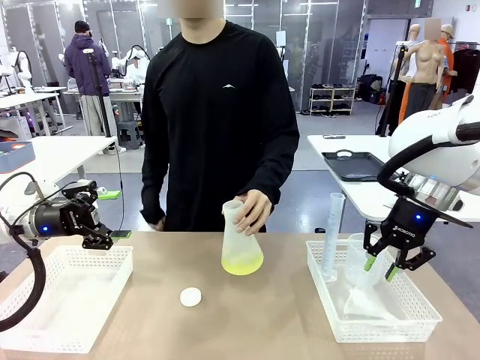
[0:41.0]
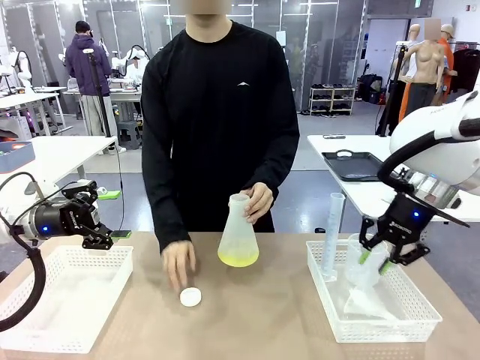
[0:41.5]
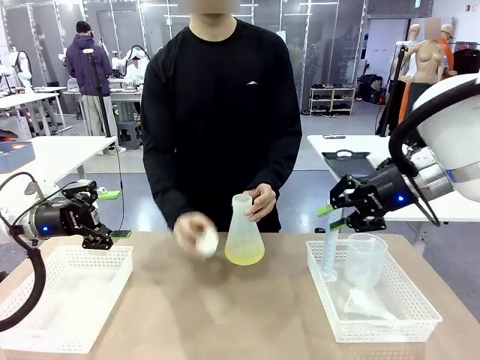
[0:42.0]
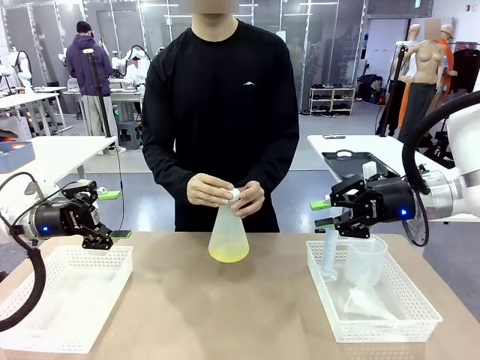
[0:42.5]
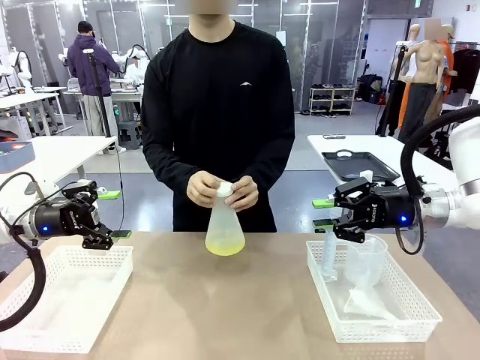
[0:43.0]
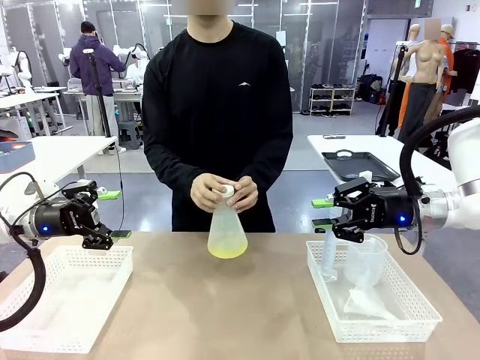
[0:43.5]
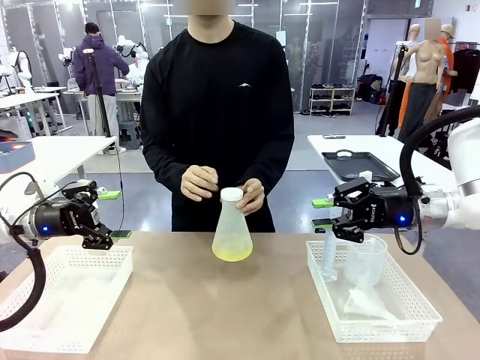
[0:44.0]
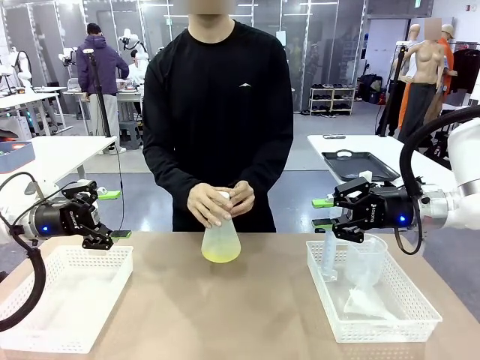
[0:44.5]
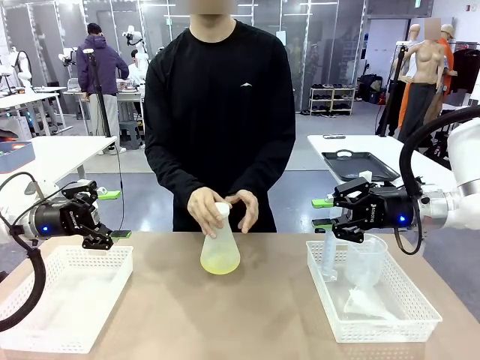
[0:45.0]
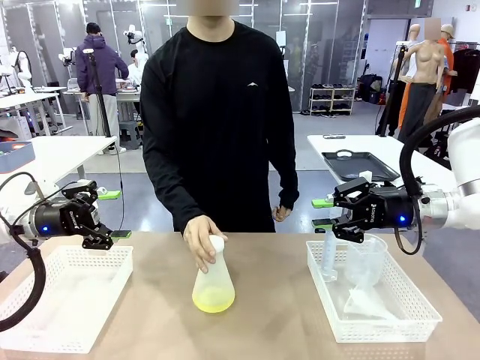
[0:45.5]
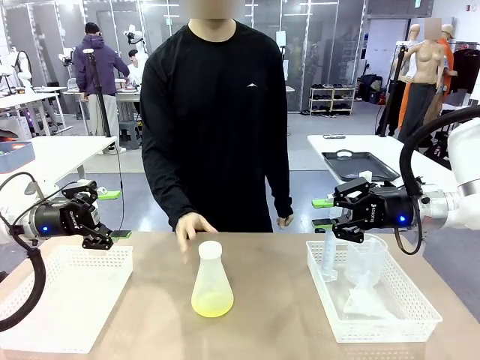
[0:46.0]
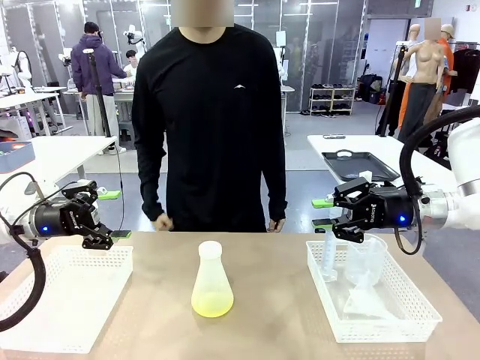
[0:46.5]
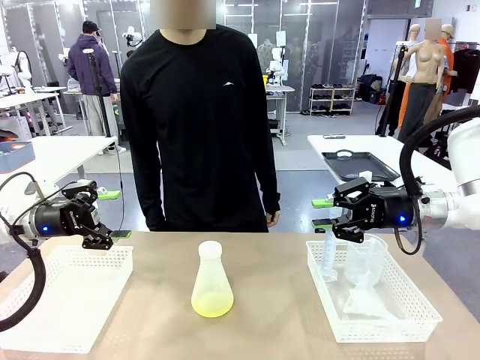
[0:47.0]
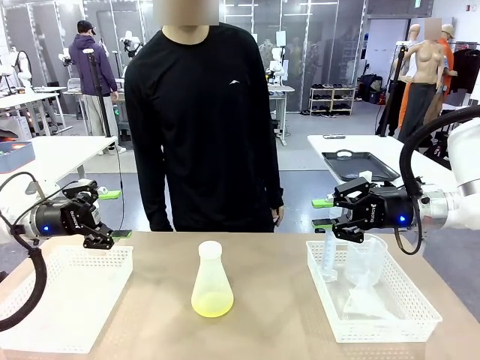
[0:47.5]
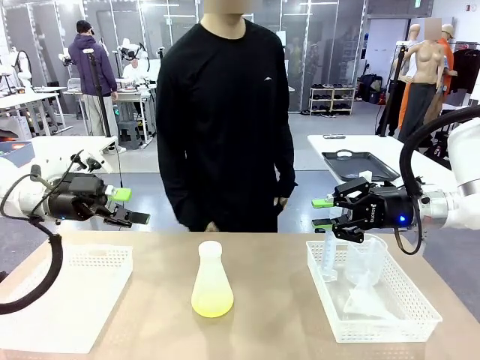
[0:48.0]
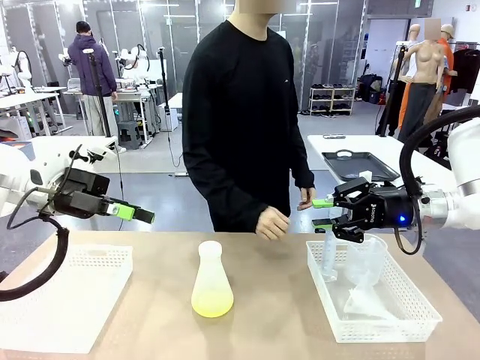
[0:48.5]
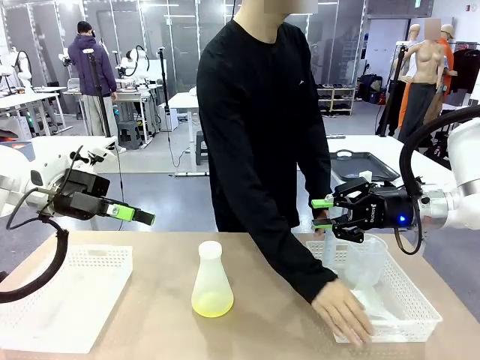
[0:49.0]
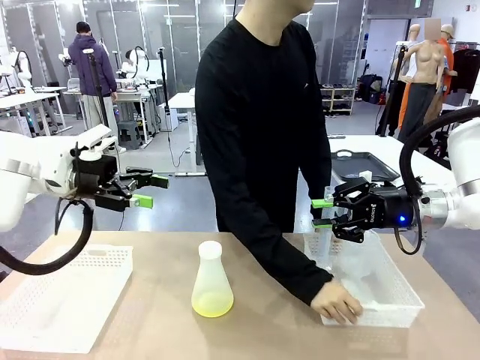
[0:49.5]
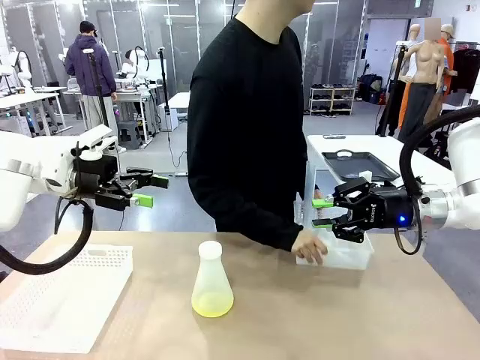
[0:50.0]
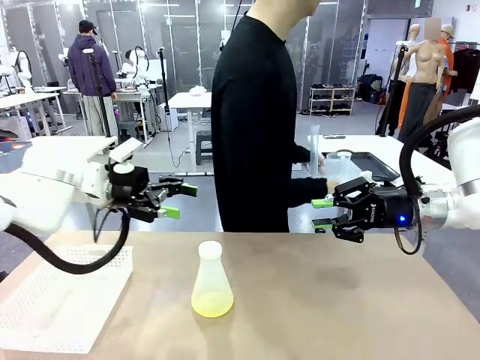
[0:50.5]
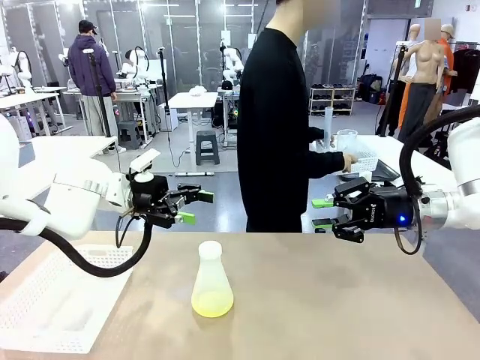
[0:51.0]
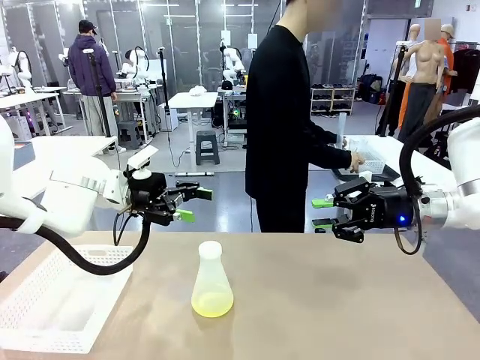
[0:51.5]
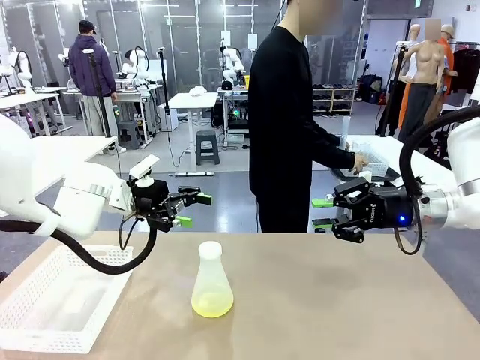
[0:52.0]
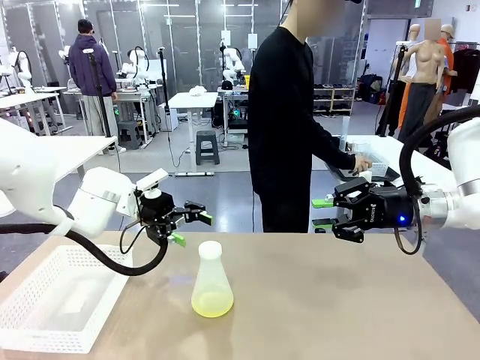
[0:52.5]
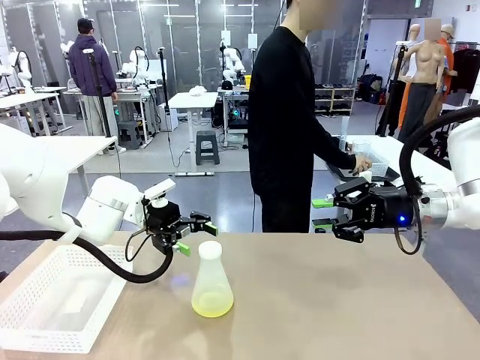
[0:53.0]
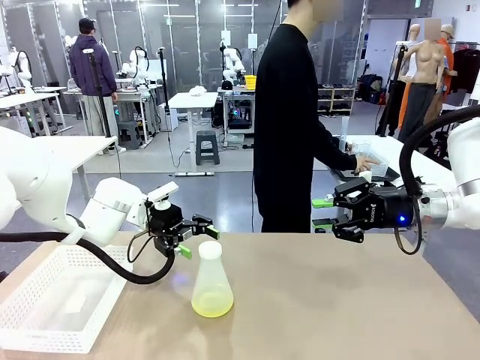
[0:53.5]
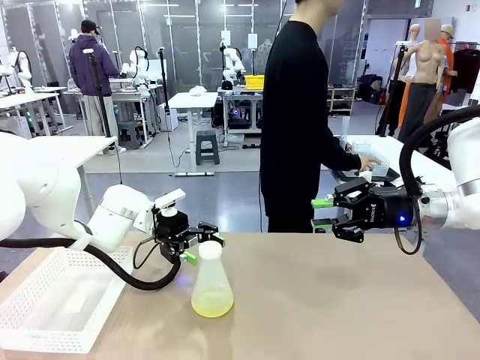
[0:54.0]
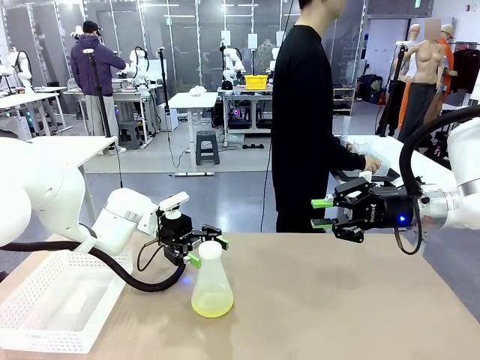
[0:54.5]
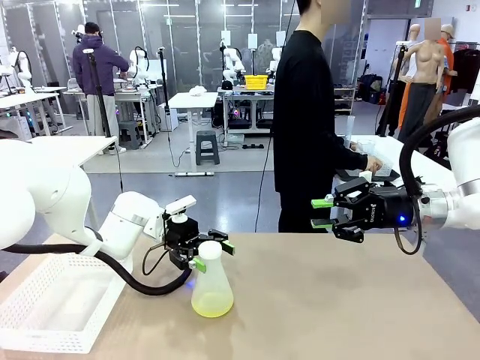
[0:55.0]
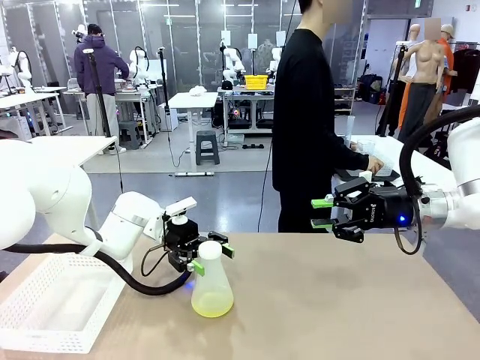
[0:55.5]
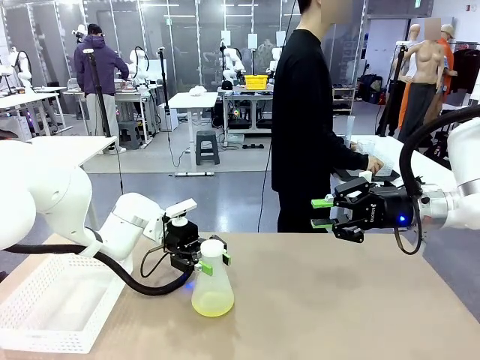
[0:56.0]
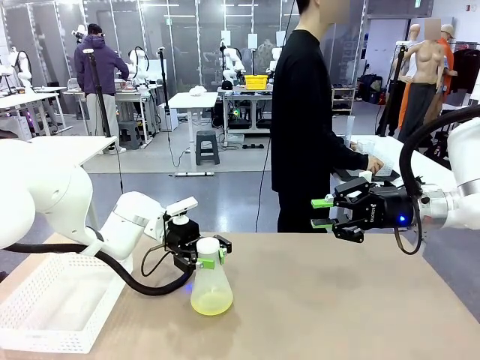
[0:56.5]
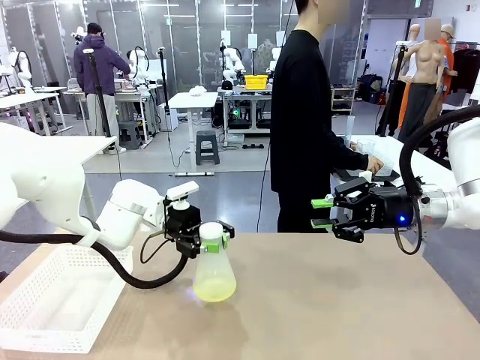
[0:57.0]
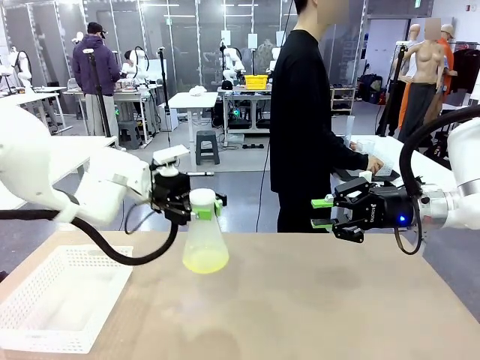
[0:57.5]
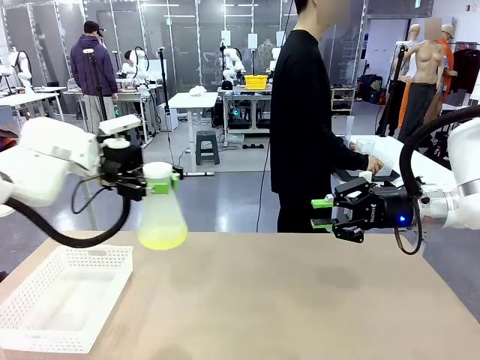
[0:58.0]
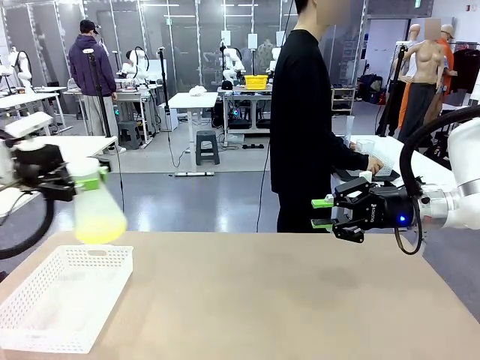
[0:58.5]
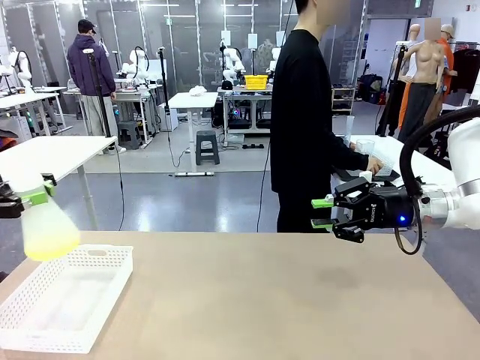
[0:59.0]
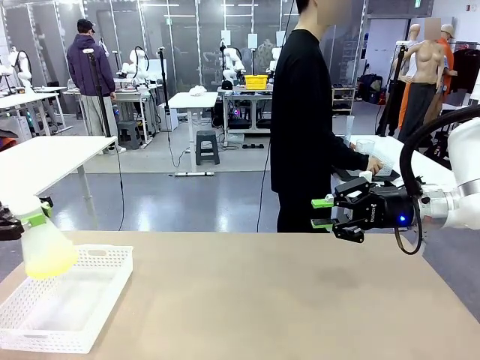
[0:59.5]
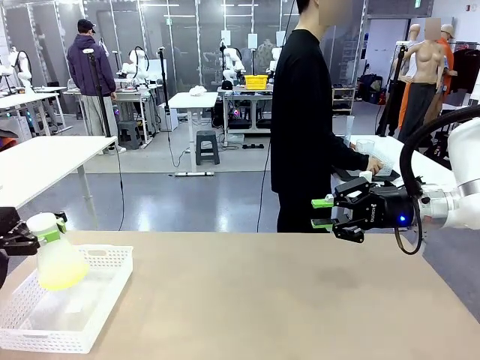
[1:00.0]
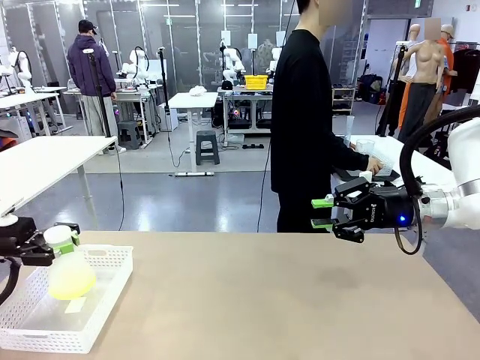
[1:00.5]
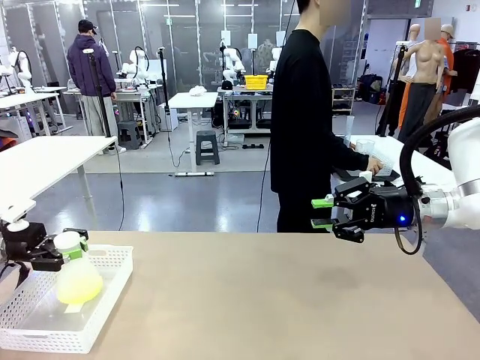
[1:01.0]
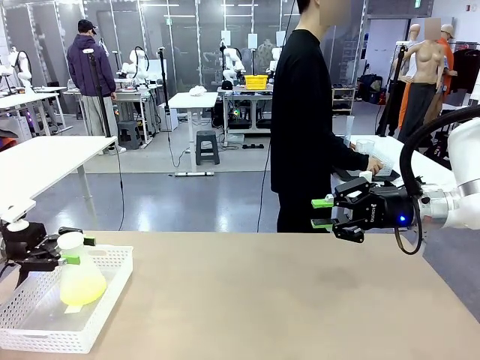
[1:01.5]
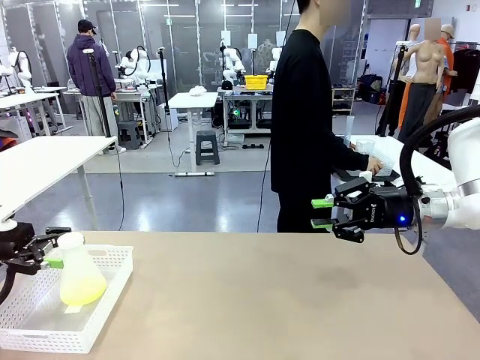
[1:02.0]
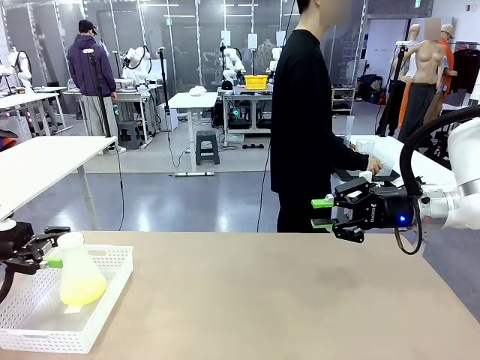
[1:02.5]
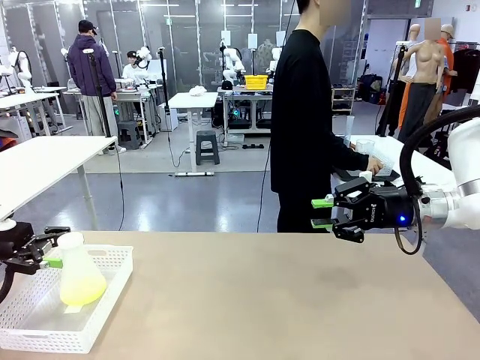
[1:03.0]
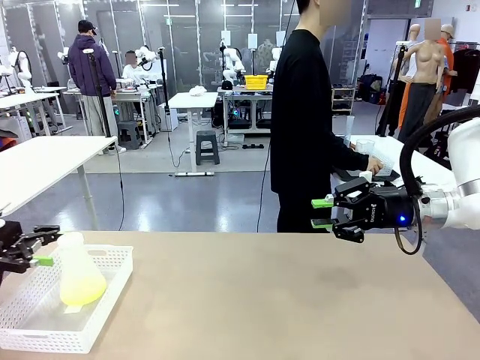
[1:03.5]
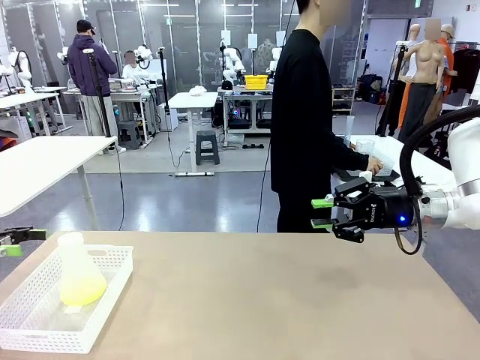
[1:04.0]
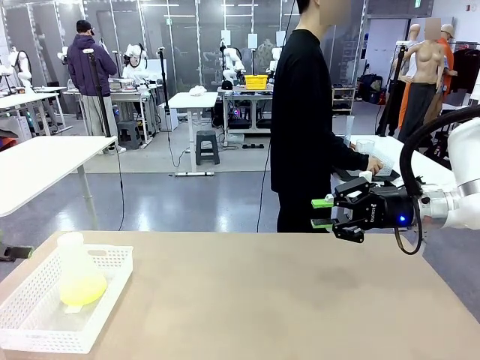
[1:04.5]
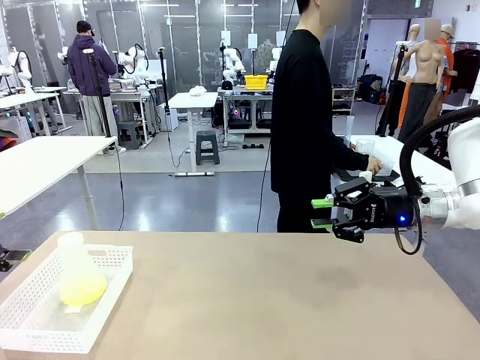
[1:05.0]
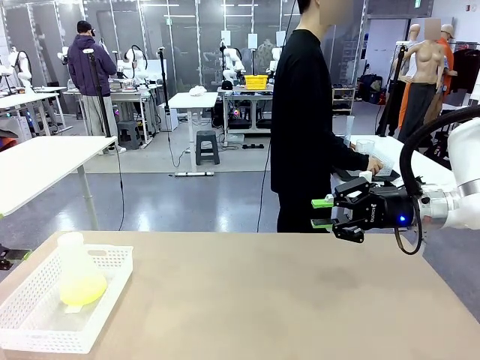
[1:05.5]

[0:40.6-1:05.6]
Task: Prepare the solutions needed for the experiment.
Robot: When the human places the Big flask in the center of the table, pick up the Big flask and place it in the left Organizing basket.
Person: Pick up the organizing basket on the left side of the robot table and place it on the left side of the human table.
